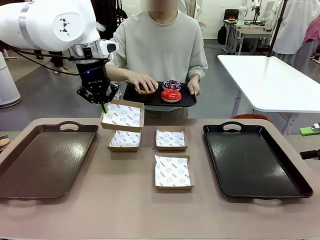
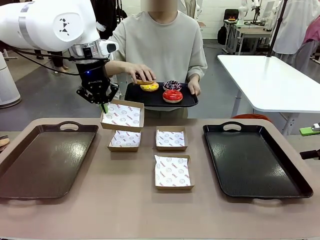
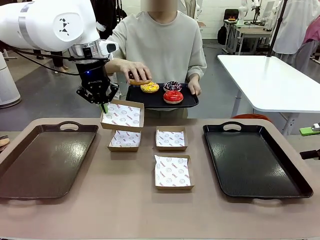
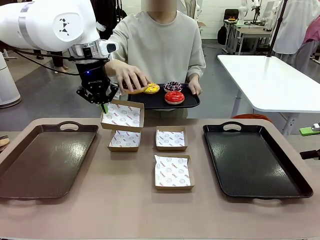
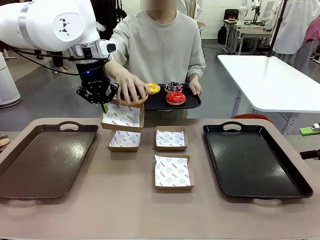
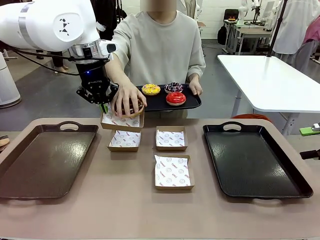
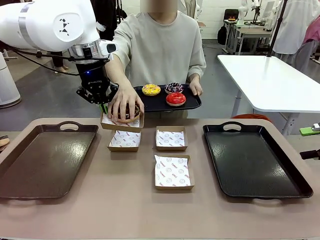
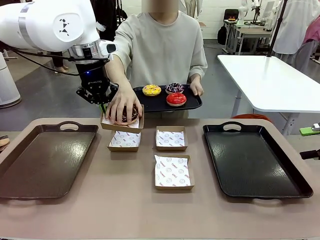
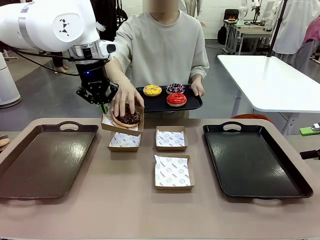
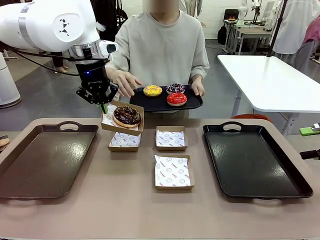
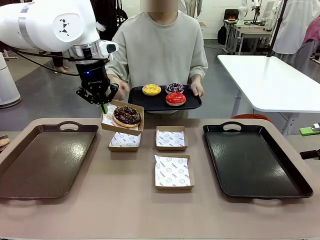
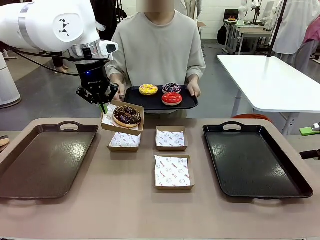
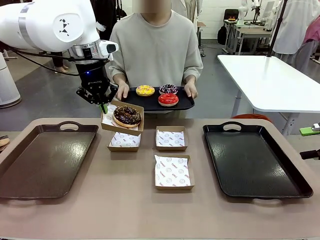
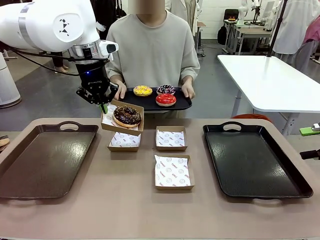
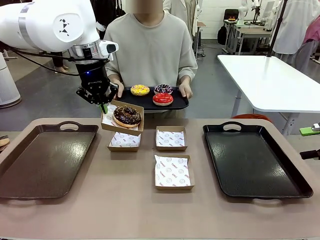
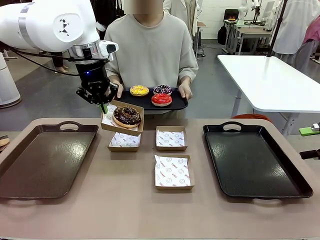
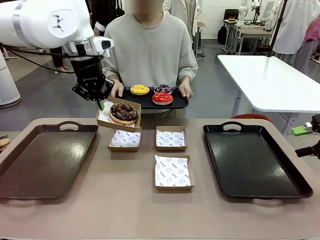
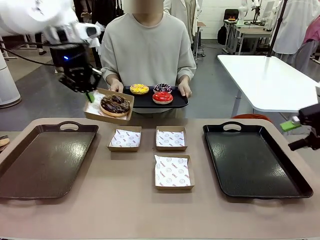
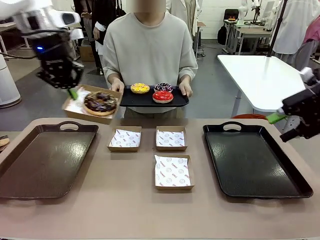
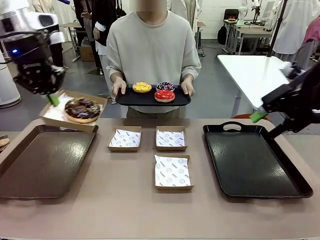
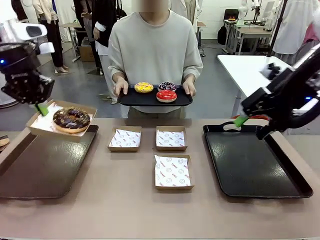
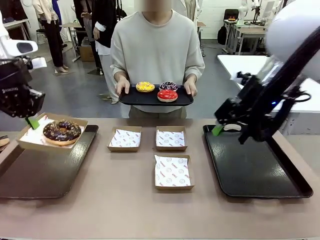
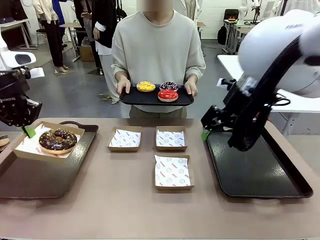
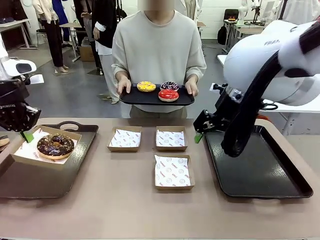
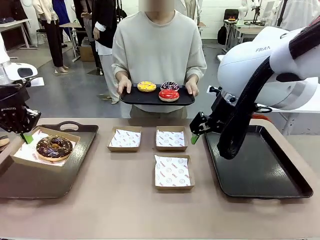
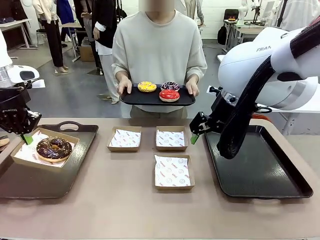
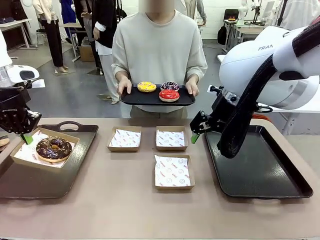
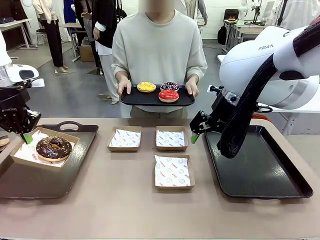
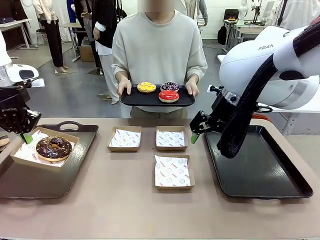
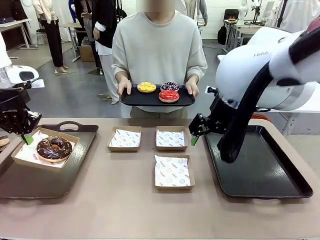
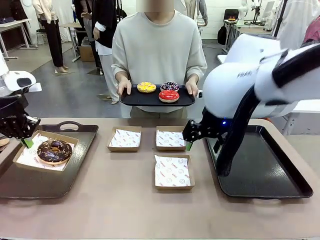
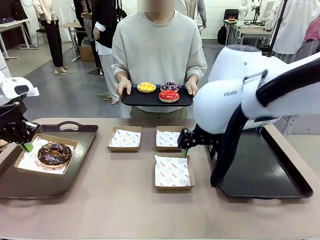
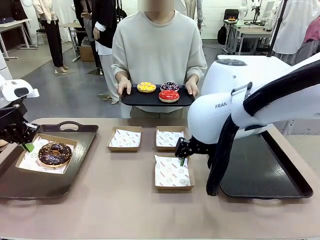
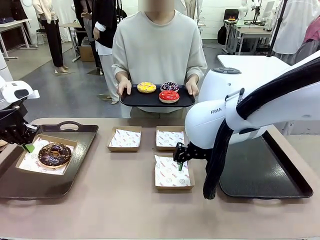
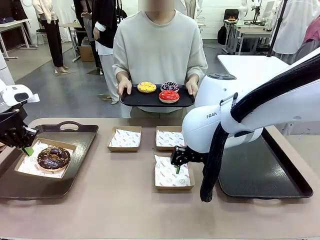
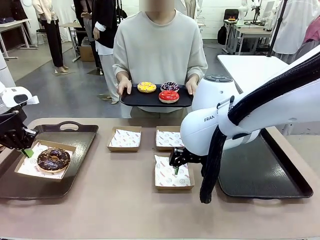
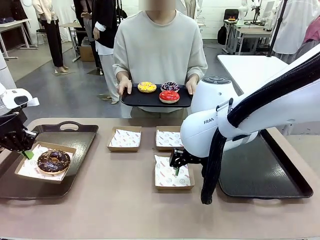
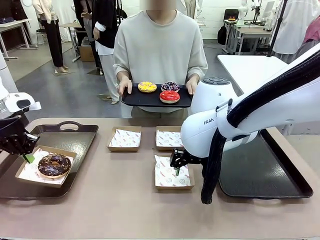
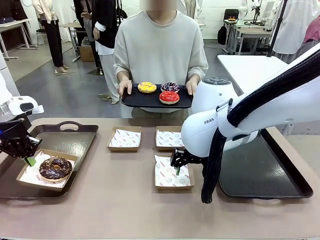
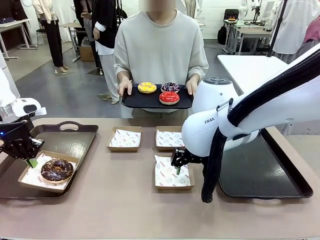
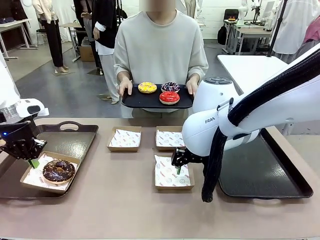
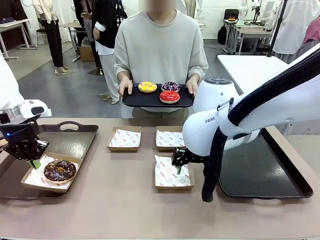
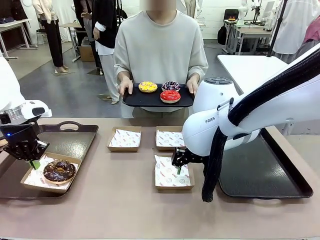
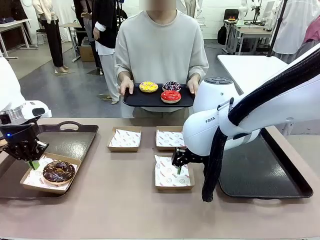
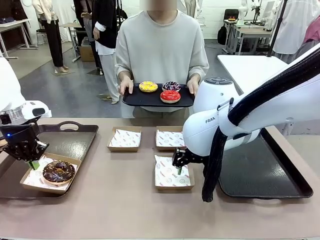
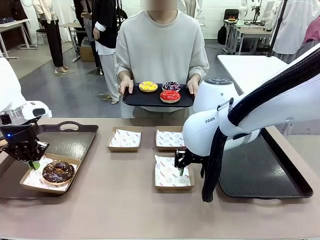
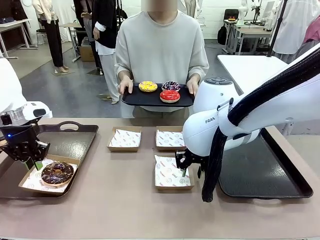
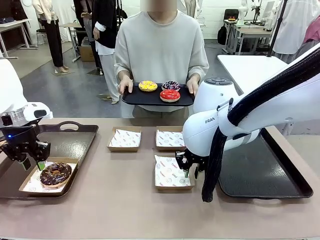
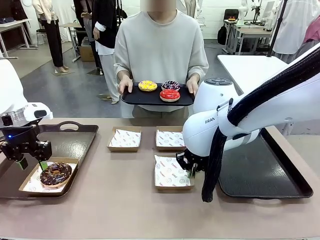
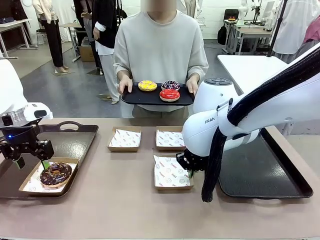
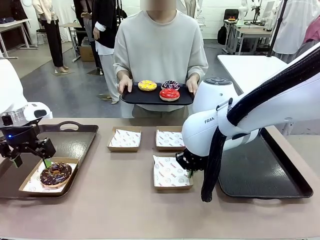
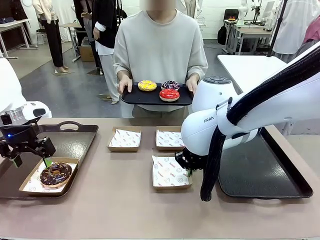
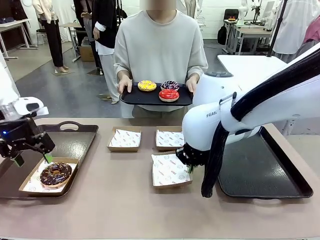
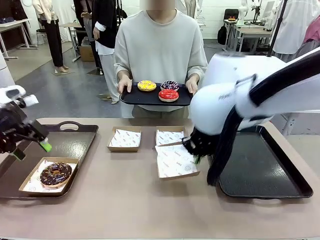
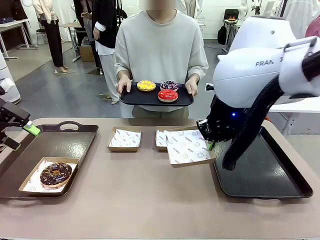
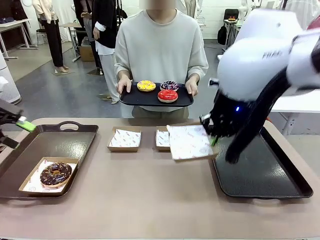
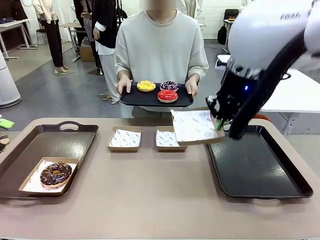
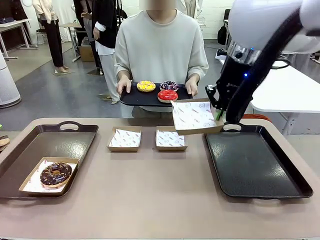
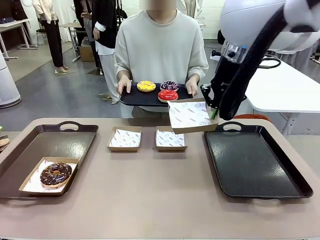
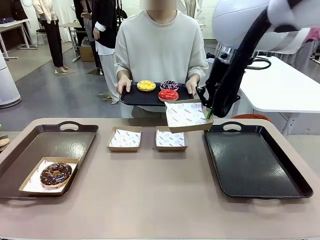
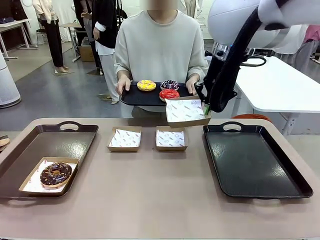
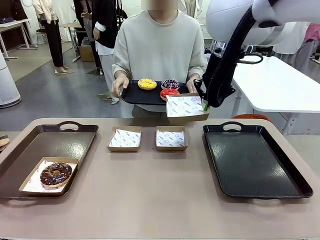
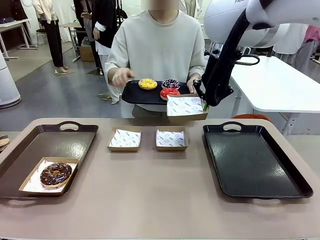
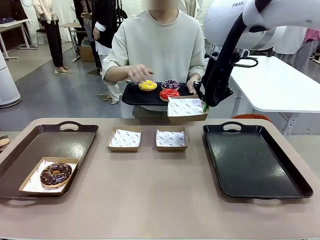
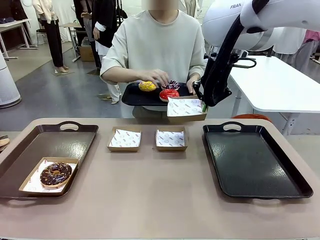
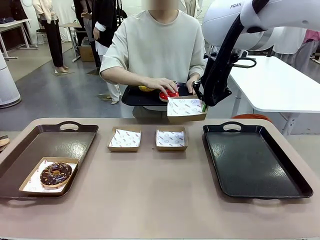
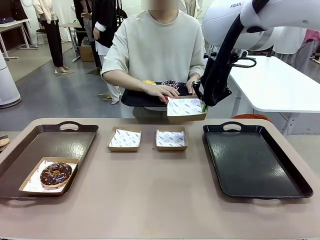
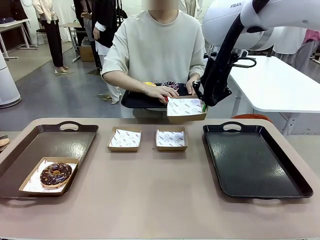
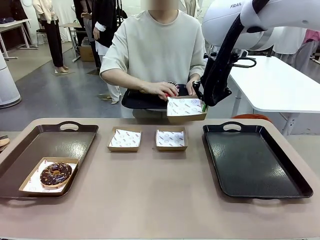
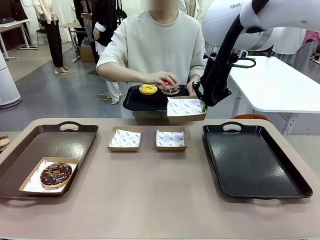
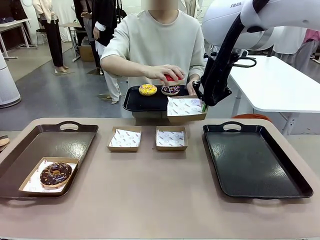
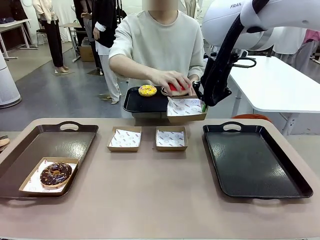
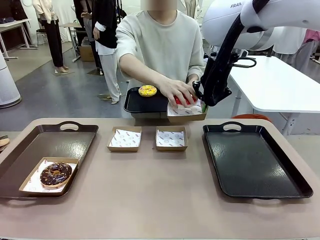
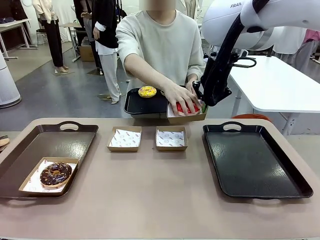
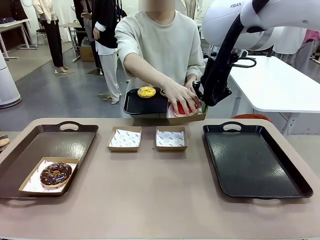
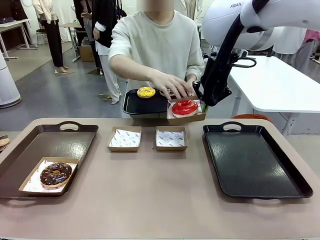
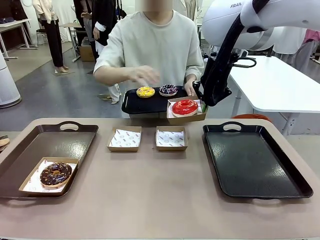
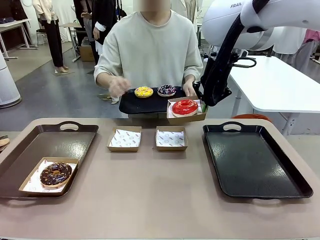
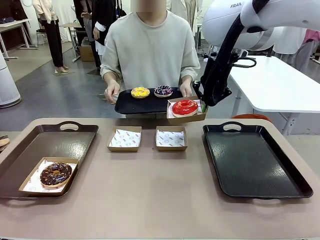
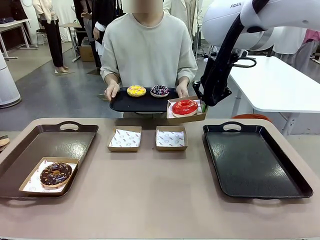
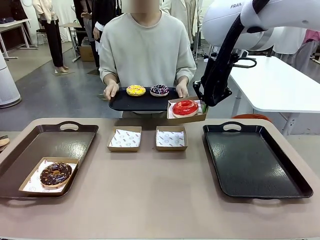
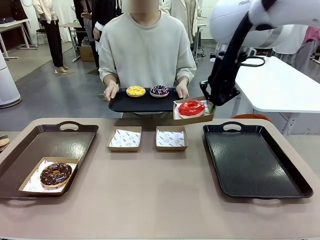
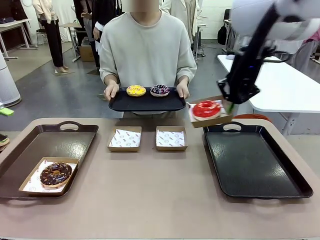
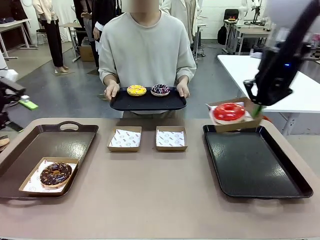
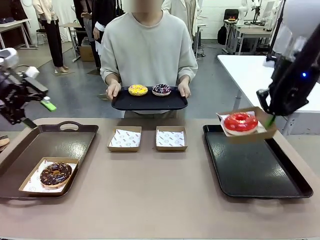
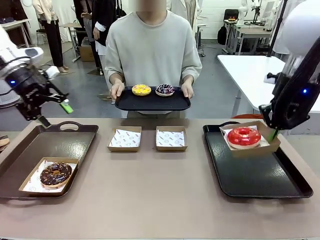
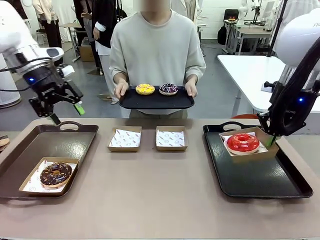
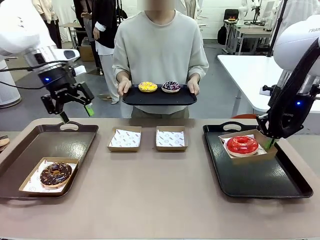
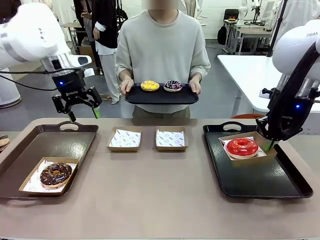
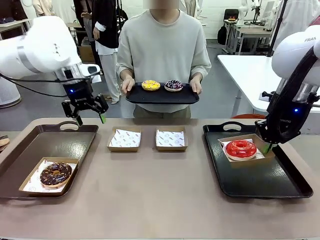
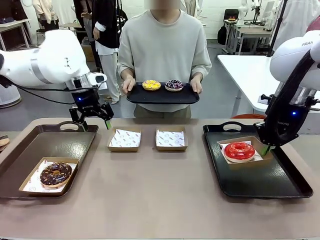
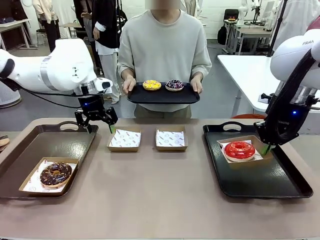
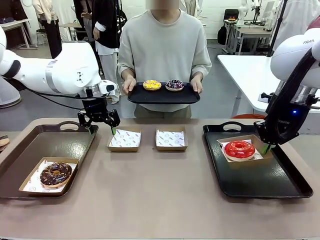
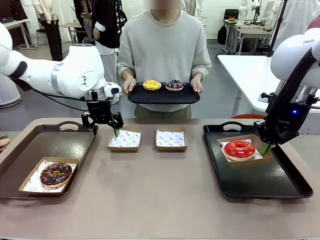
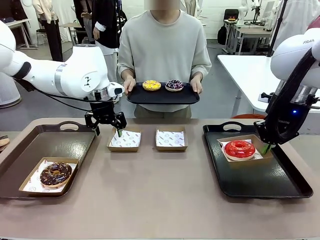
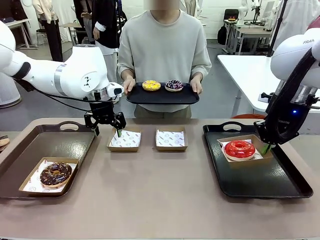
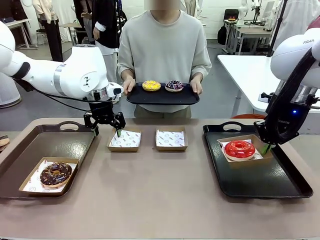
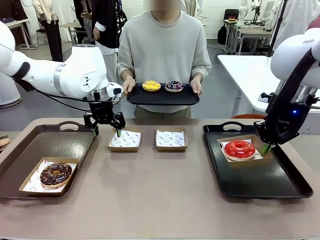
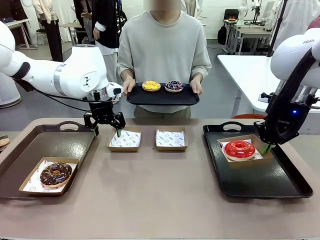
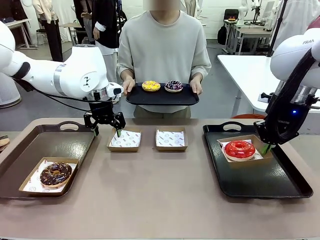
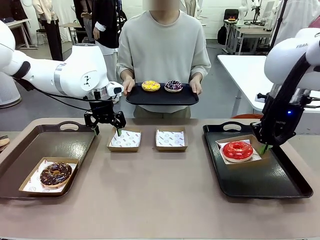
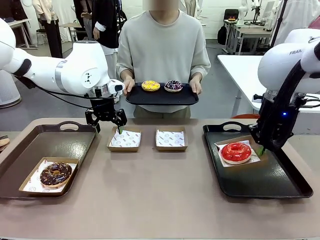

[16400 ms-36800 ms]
Task: Individually package the donuts and arrange them on the tray.
Robot: Place the picked Paper togo box on the Handle tray while simultaneously picking up another Paper togo box from the table with the other hand.
